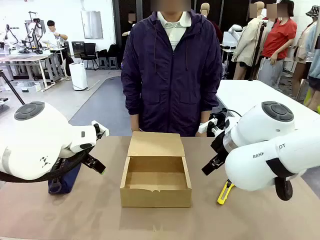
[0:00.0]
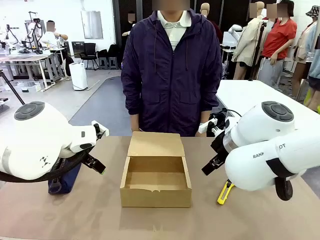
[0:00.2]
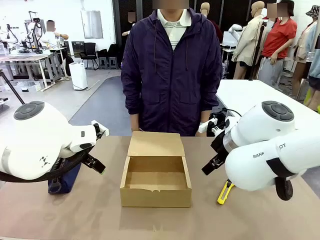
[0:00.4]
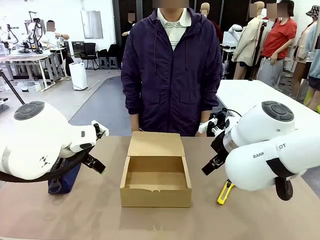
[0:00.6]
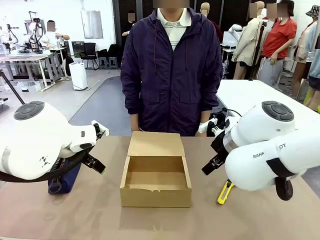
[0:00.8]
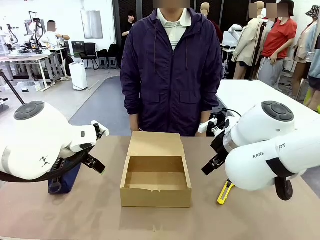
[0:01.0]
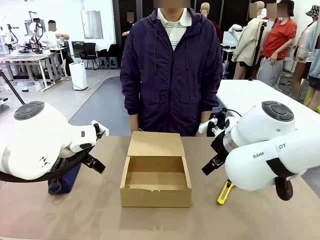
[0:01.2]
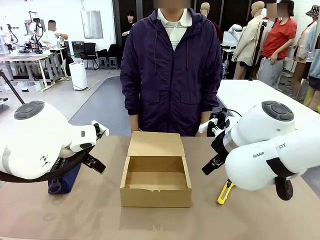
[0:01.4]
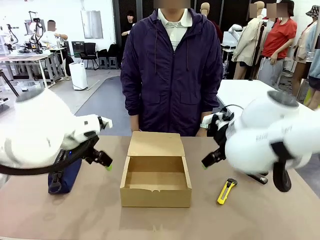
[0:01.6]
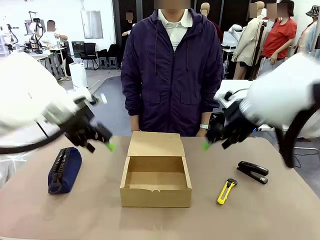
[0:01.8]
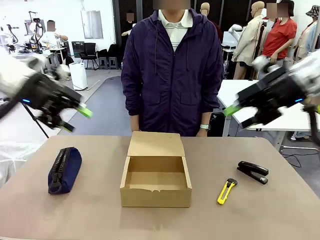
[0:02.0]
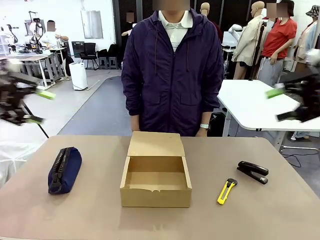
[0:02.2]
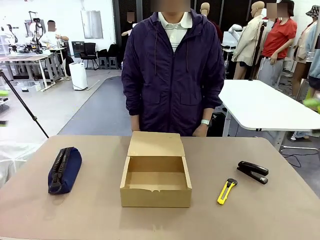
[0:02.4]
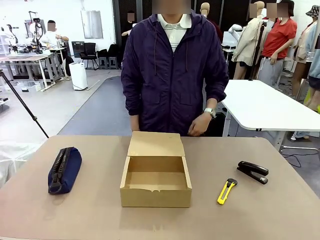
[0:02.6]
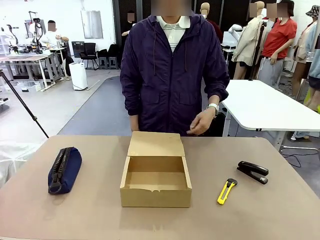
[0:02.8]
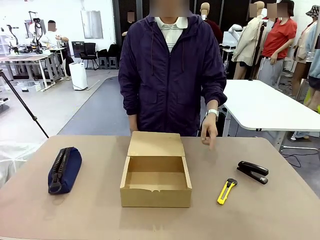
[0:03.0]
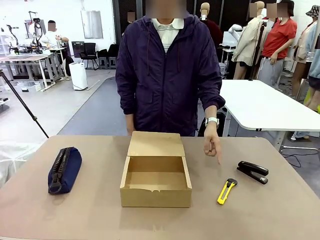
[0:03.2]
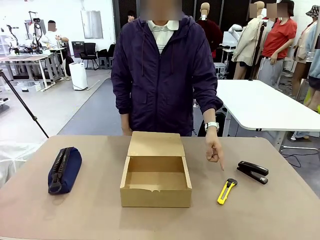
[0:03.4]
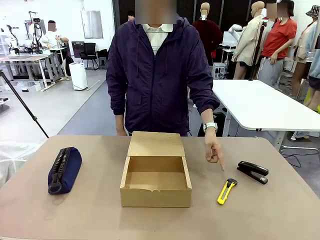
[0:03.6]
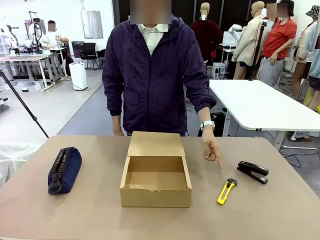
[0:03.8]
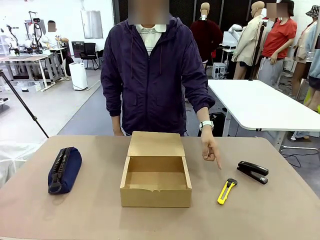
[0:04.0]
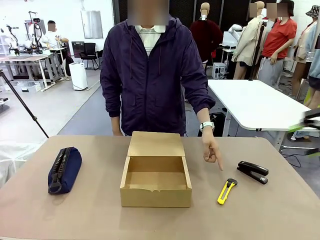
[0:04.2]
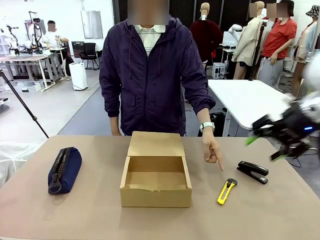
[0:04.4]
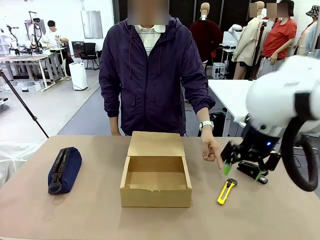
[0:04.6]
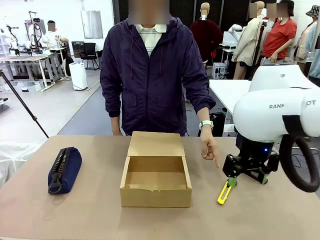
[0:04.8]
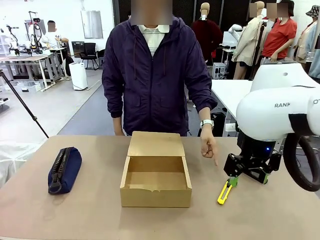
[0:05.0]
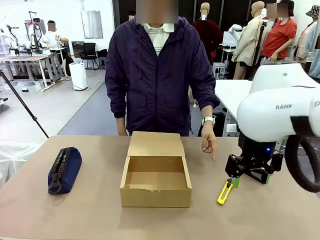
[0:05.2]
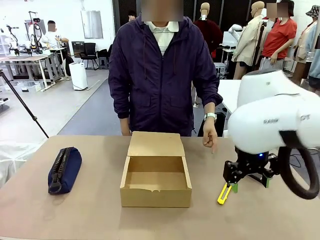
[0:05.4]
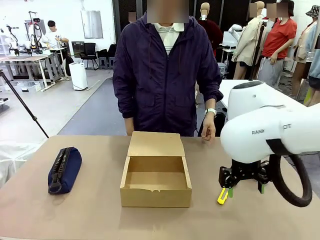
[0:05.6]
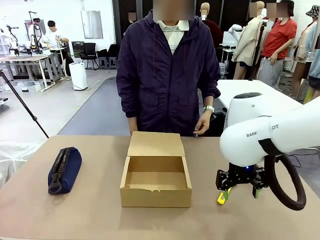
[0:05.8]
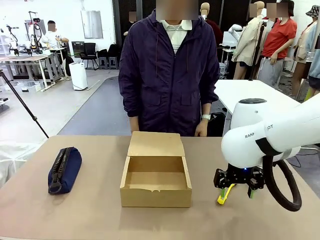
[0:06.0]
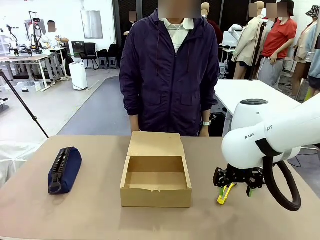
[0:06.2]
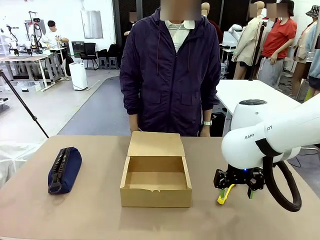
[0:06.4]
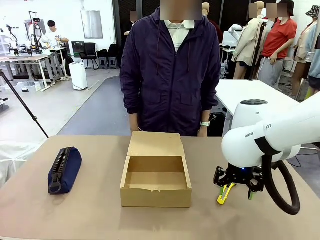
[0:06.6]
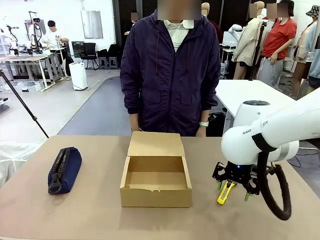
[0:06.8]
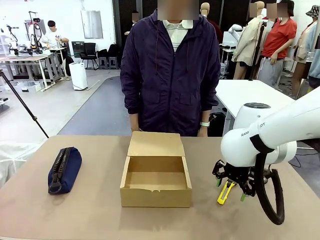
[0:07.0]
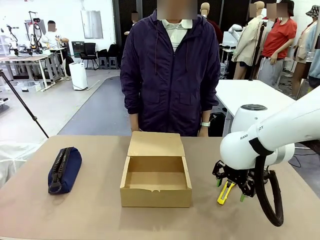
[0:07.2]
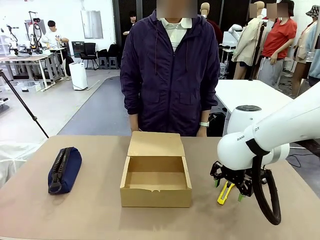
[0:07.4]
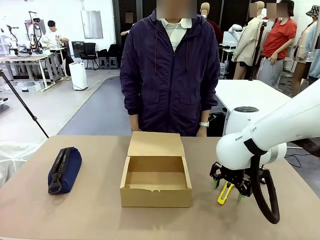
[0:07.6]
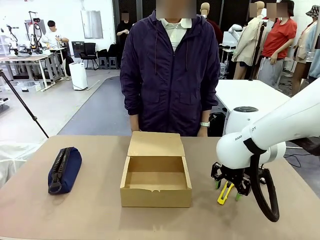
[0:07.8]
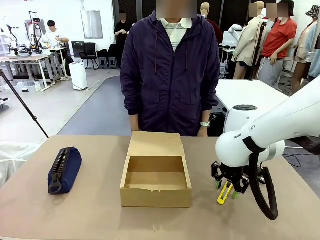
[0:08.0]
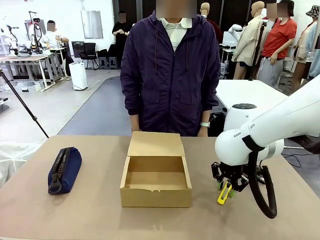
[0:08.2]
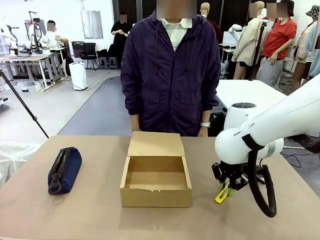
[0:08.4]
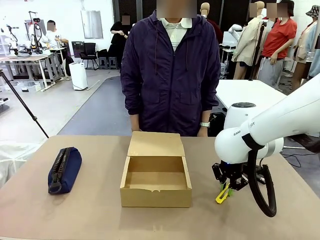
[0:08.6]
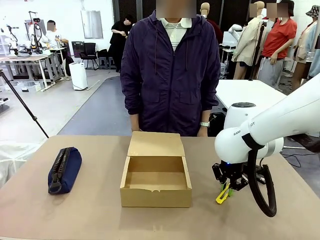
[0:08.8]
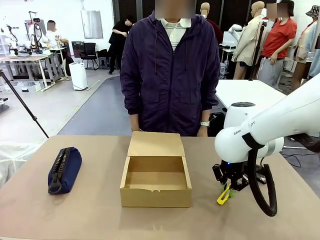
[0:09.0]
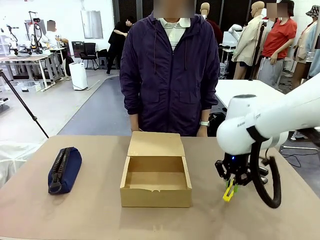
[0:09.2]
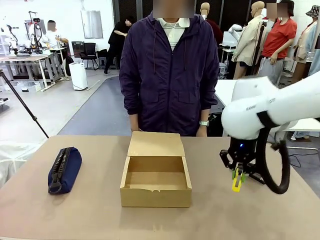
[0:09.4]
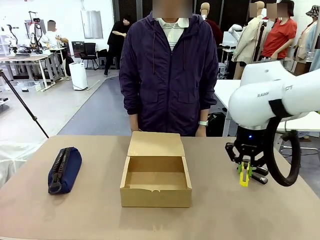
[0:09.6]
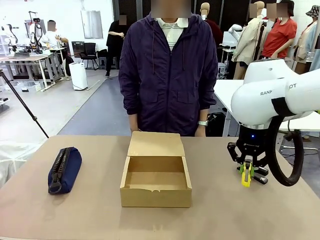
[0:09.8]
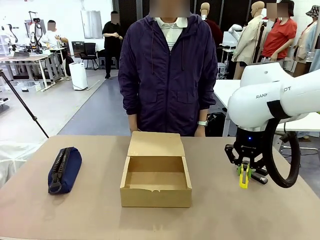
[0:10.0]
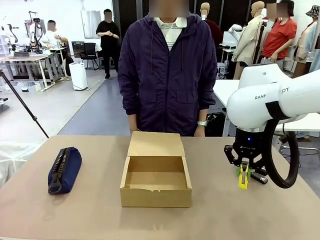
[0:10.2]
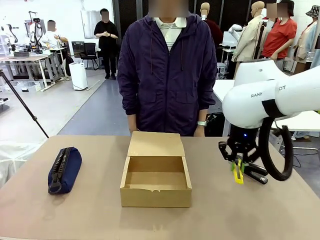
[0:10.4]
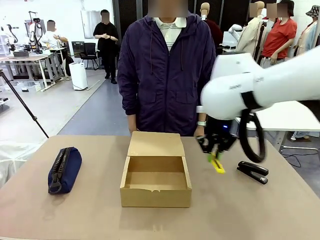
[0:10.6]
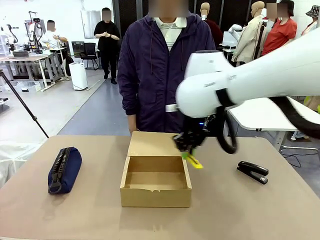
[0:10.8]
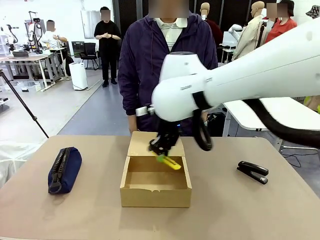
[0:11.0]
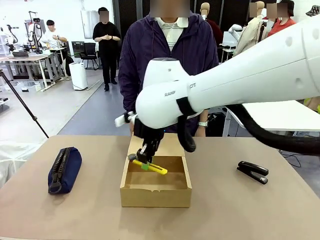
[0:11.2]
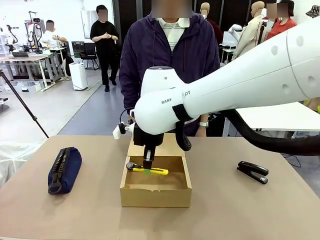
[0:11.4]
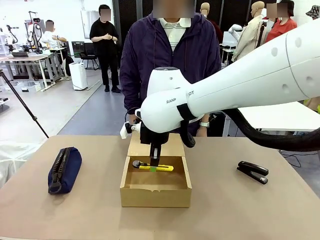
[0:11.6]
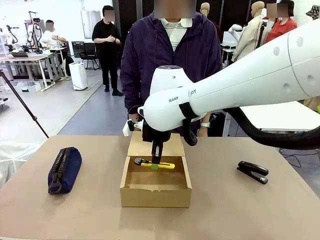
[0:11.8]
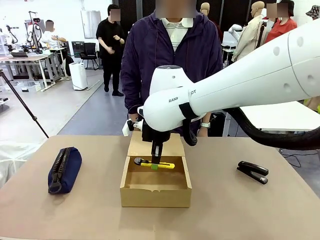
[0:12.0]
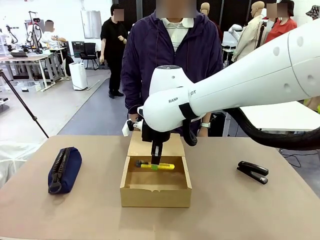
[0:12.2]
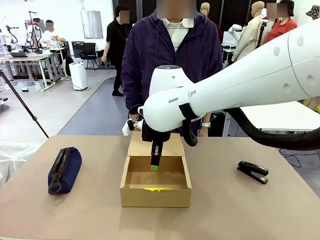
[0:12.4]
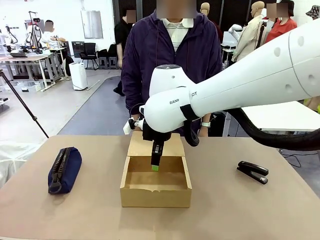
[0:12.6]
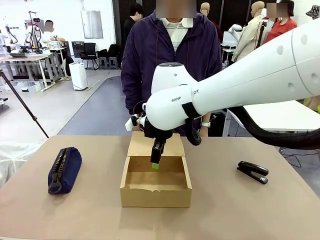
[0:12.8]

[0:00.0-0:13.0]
Task: Pack the items into the box.
Robot: Pick up the item specified by the human and place it in the Mailer Box.
Person: Point at one item on the table (excluding the box).
